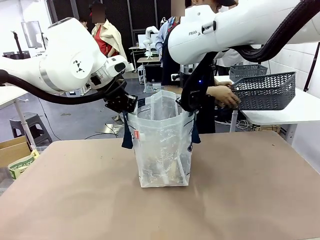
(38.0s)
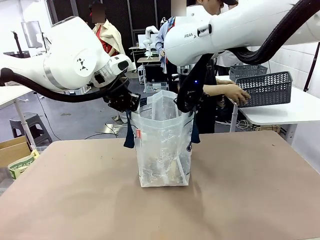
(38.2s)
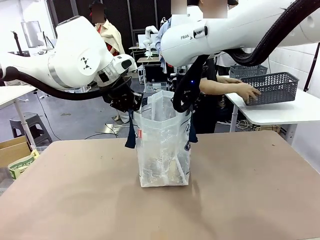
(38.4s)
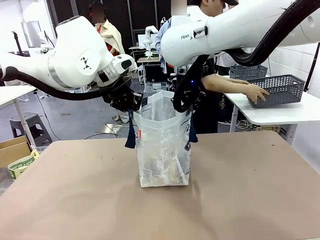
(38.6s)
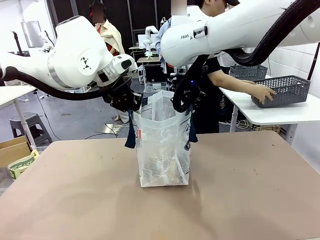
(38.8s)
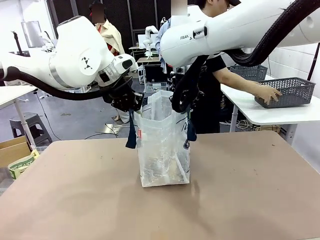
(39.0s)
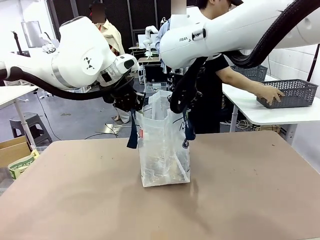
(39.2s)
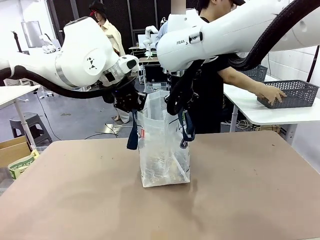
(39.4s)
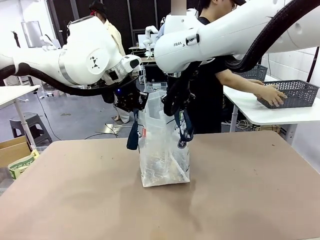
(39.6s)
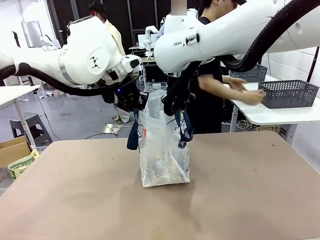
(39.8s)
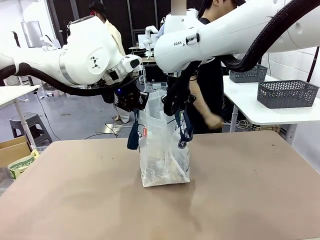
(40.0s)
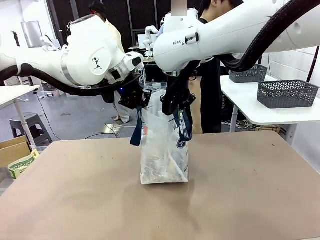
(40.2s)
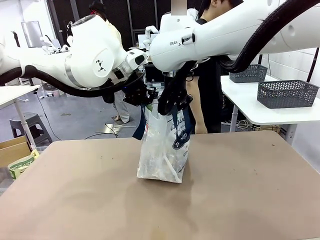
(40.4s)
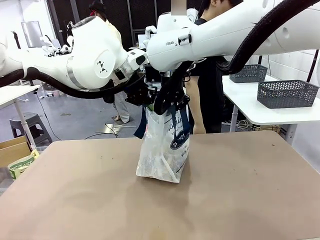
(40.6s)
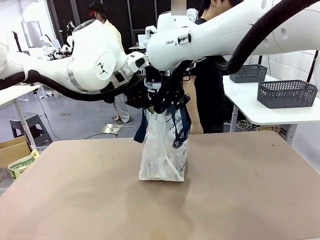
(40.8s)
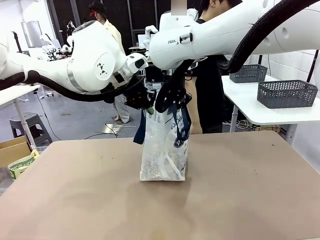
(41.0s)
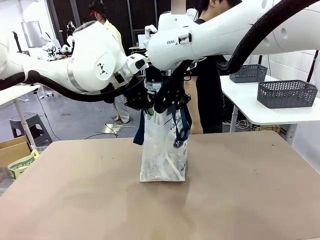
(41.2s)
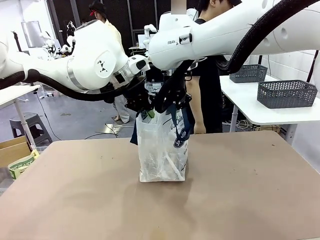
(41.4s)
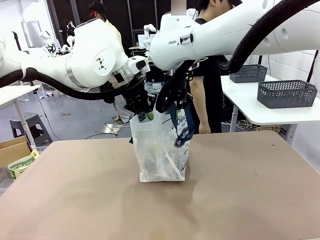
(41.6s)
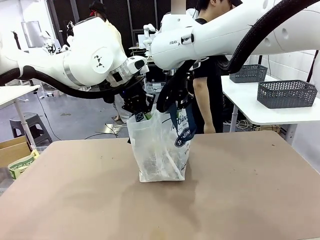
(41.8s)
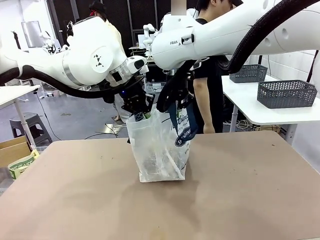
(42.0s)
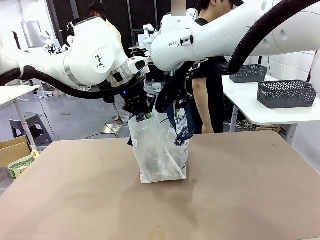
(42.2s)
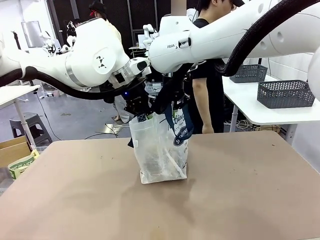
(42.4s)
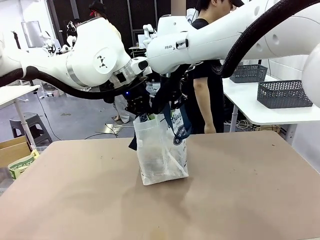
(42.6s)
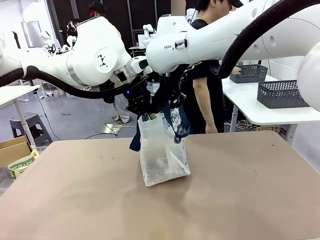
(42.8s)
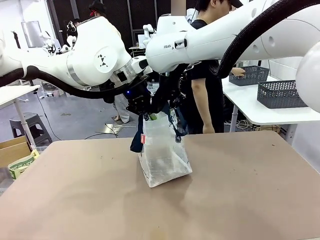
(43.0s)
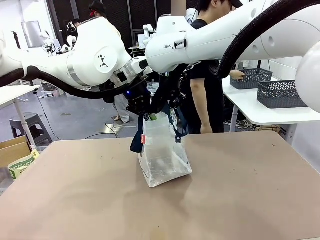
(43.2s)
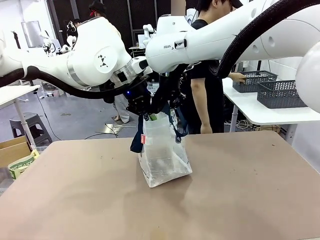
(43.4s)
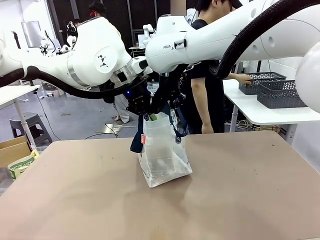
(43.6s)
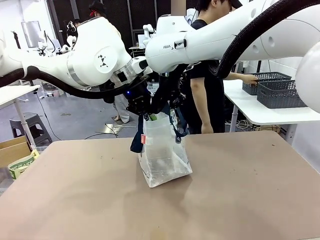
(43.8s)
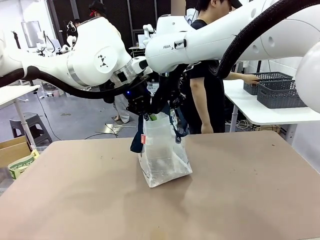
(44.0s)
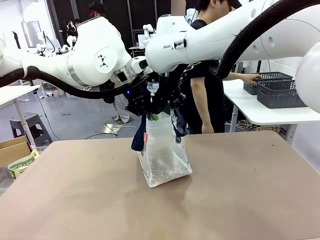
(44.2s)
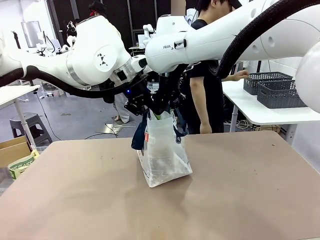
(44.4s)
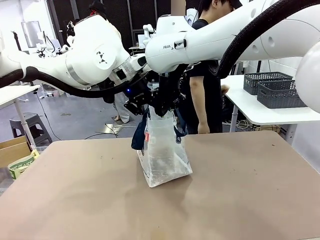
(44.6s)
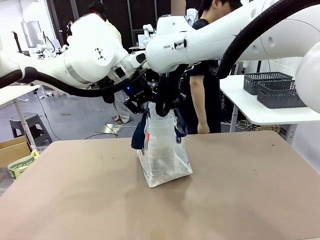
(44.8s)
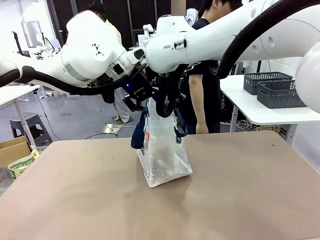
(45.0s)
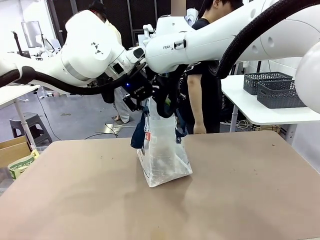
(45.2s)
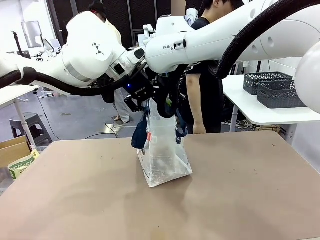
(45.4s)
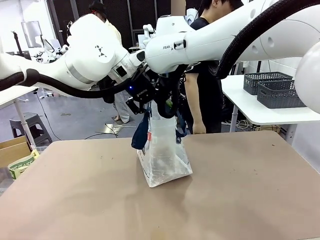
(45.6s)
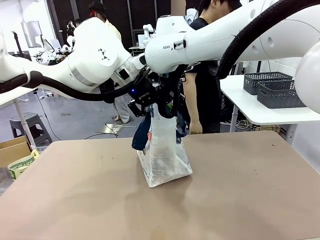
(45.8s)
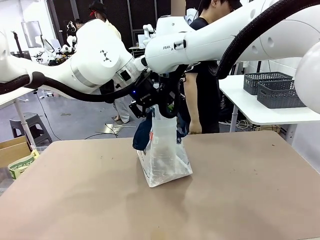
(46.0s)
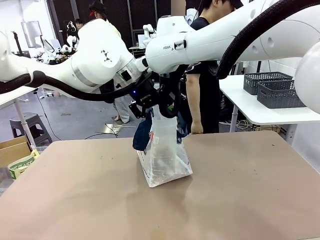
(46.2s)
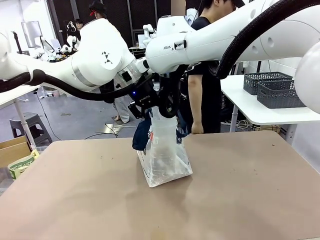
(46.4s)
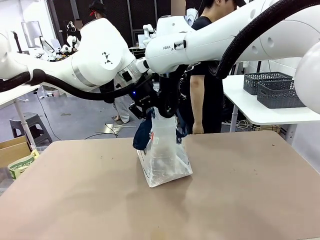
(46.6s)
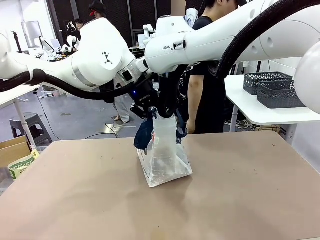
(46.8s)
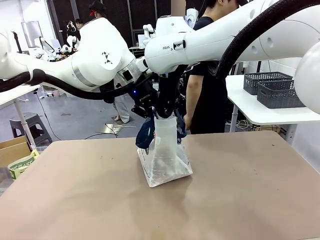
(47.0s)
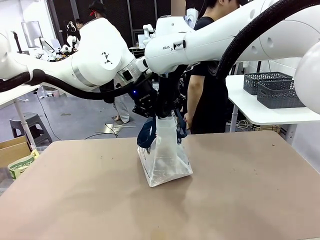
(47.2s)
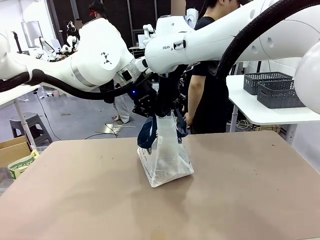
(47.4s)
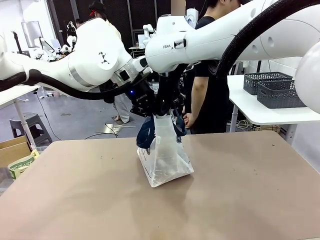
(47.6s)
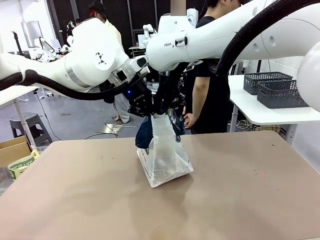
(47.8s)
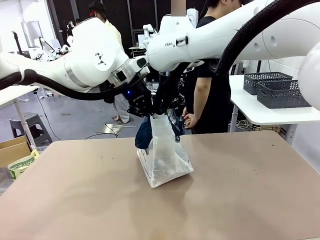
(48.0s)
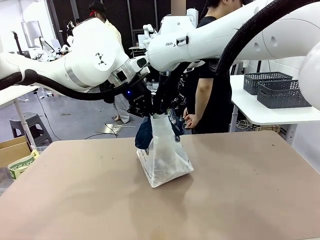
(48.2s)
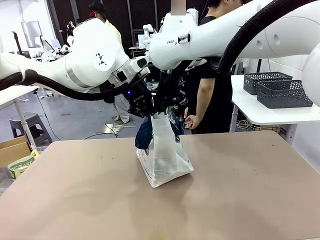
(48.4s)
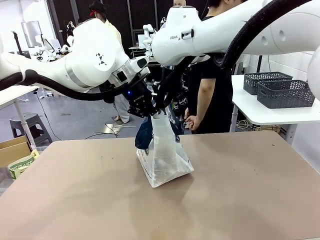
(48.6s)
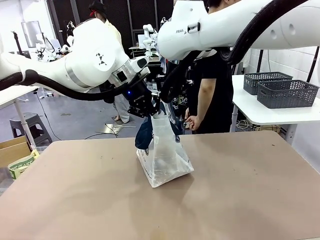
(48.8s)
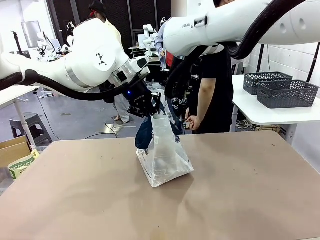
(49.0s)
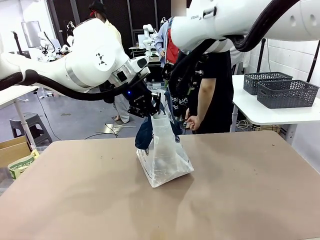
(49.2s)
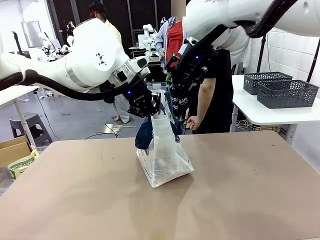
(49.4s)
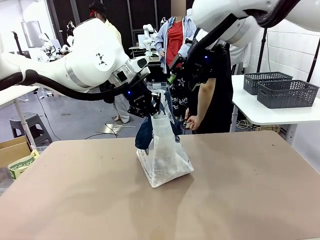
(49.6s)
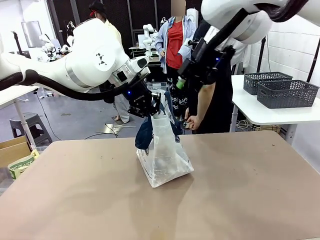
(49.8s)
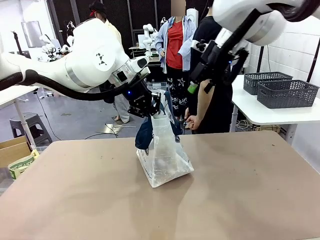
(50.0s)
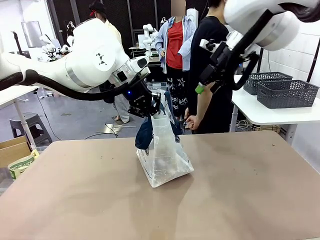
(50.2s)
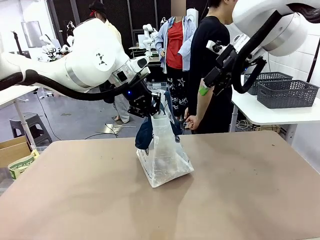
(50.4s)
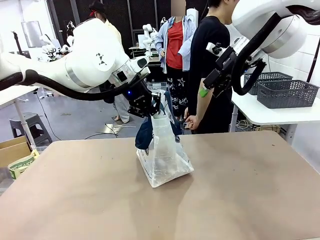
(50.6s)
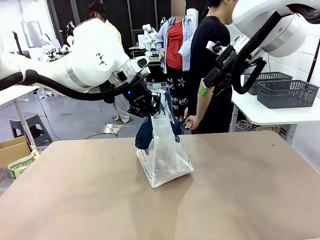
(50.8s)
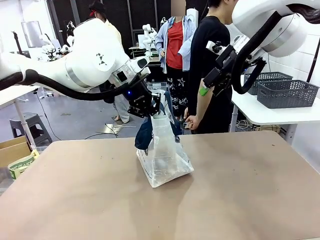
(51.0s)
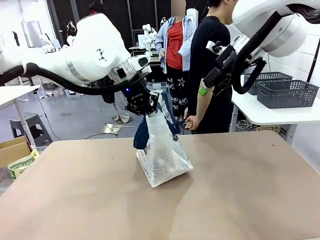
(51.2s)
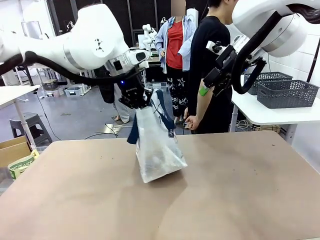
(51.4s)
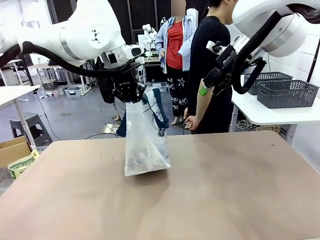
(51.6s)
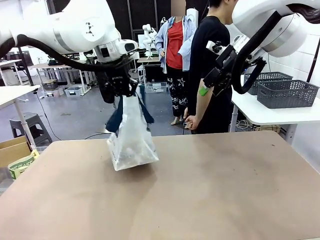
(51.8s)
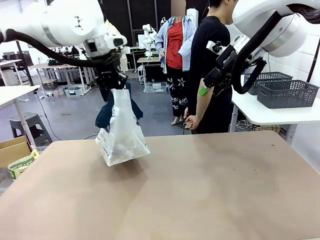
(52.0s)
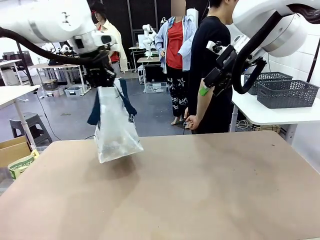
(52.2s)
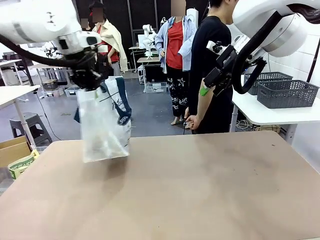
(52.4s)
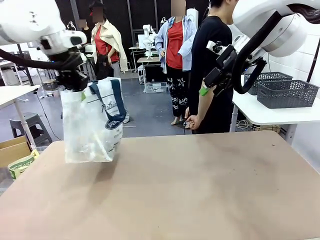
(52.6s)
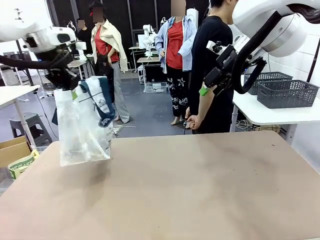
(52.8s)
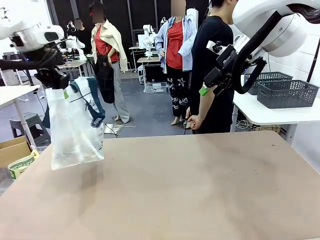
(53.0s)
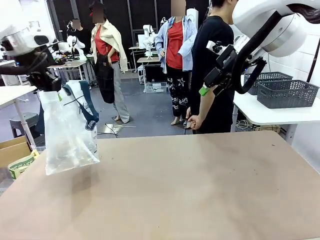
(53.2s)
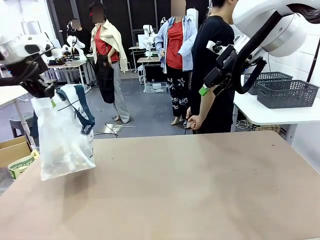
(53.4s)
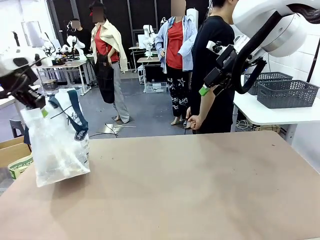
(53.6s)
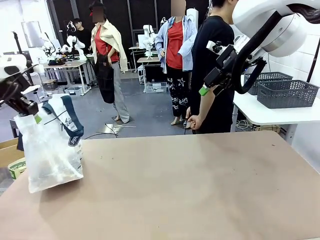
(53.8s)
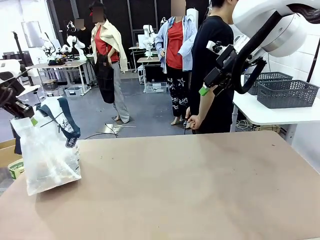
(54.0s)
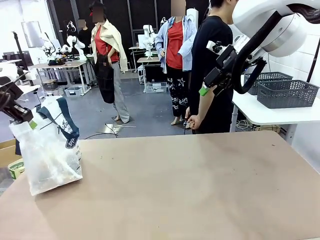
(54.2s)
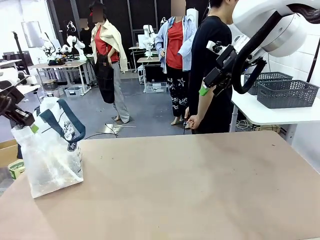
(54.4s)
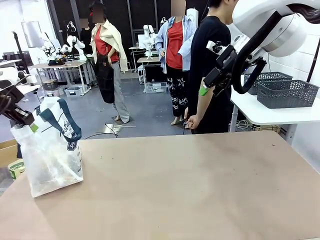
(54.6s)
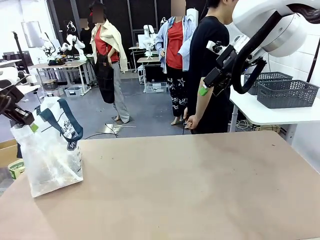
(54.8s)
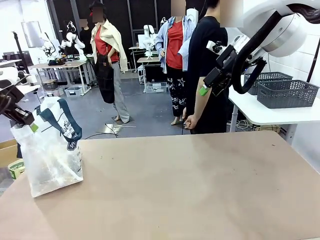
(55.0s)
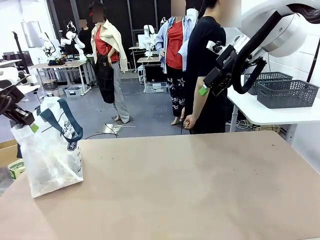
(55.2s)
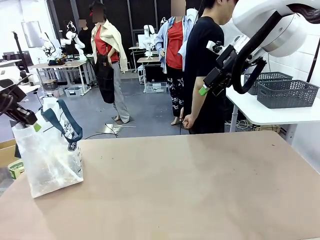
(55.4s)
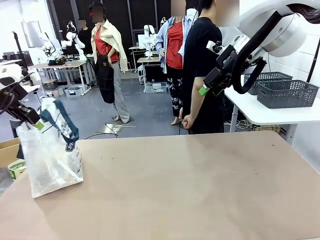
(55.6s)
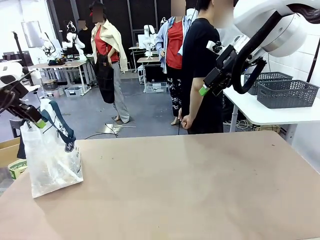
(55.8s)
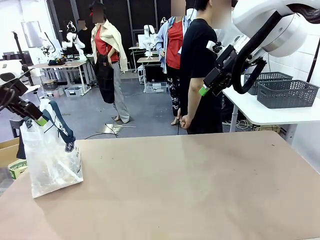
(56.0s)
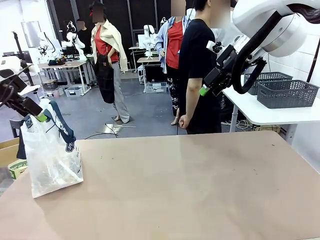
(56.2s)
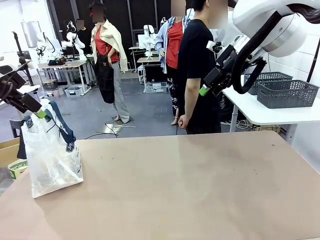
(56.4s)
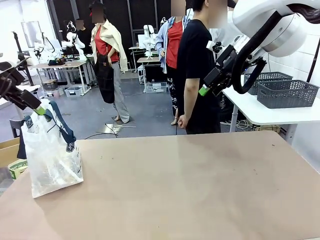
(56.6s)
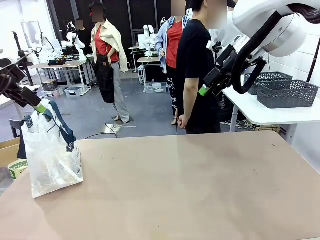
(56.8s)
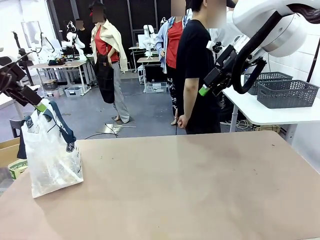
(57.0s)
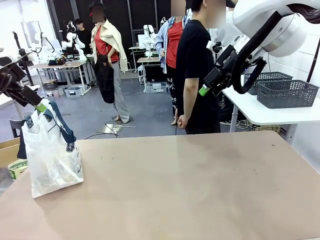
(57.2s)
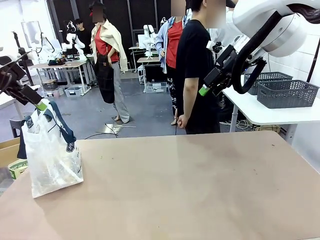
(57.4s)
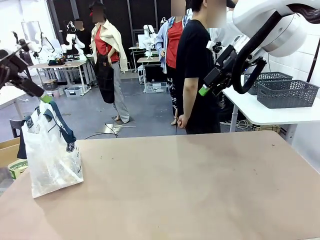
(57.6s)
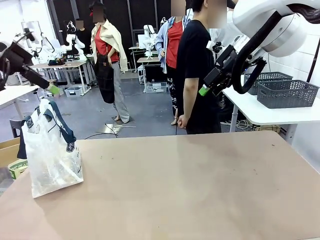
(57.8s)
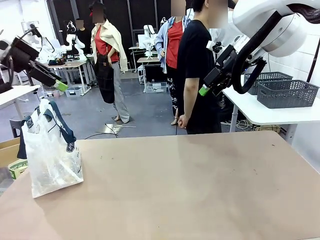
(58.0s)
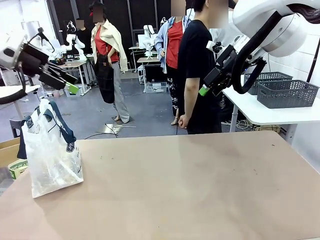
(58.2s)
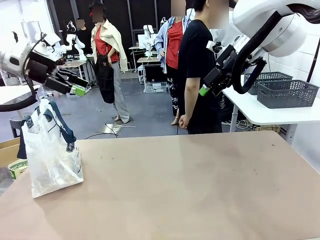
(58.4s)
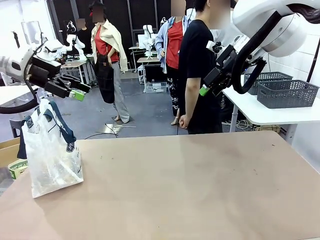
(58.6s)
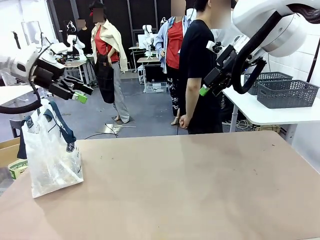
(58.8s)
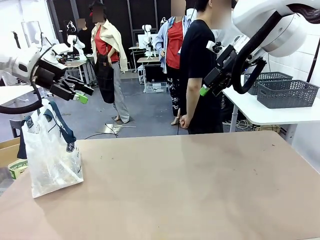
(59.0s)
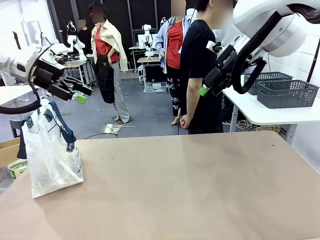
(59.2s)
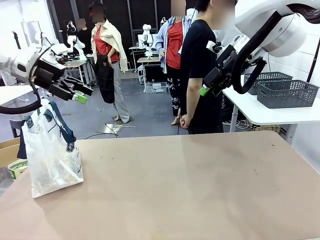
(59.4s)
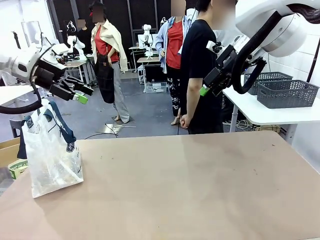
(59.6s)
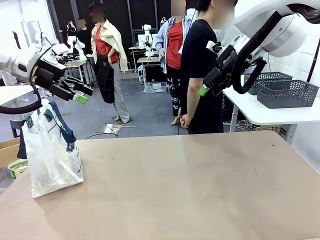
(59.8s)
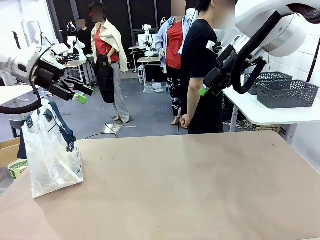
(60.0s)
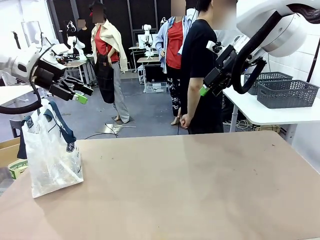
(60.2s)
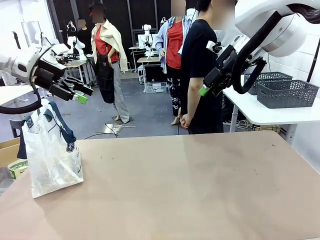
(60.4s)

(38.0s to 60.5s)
Task: Transfer purchased items from the store into the shopping bag.
Robot: Move the Reusable shopping bag to the right side of the table.
Person: Pick up the basket with the items out and place it on the right side of the human table. Move the basket on the left to the middle of the person's table.
